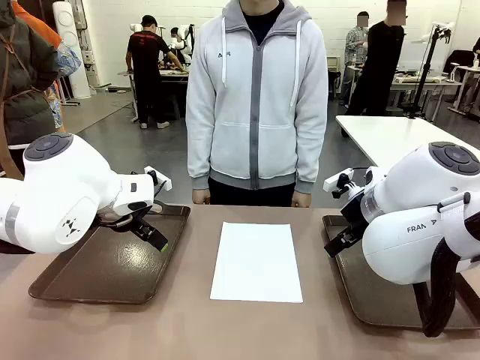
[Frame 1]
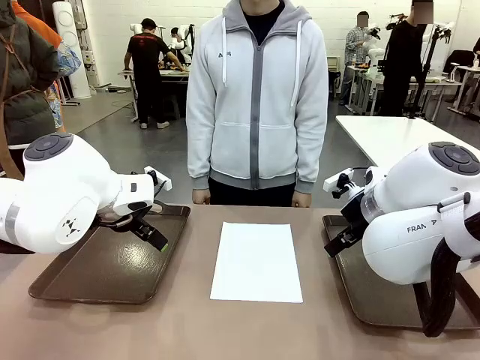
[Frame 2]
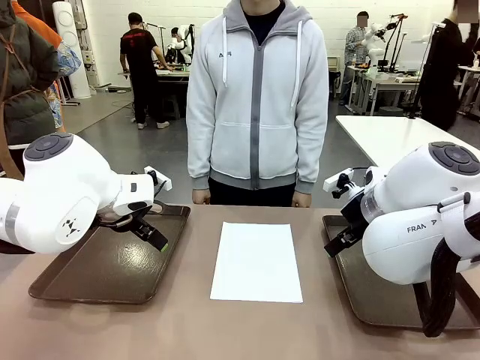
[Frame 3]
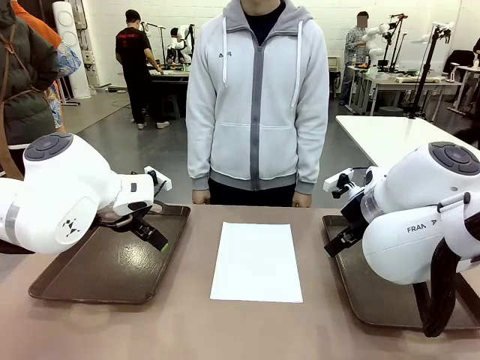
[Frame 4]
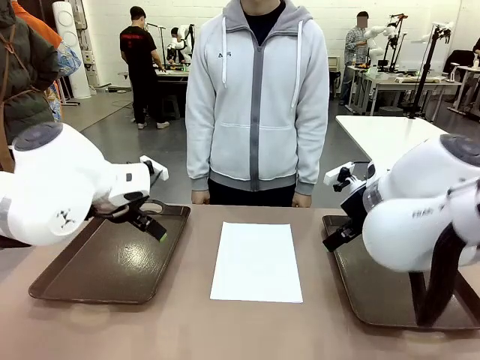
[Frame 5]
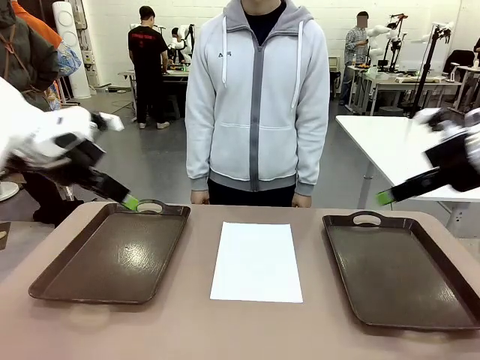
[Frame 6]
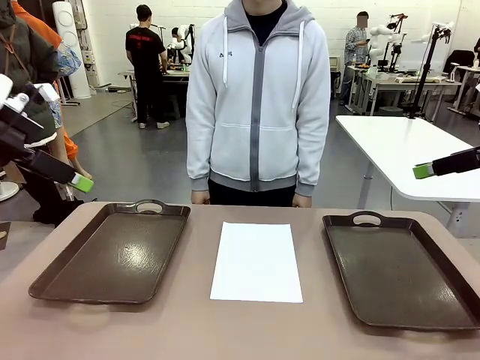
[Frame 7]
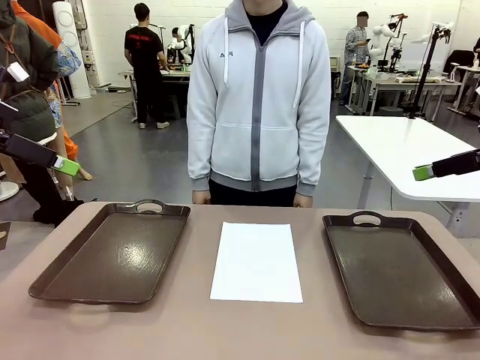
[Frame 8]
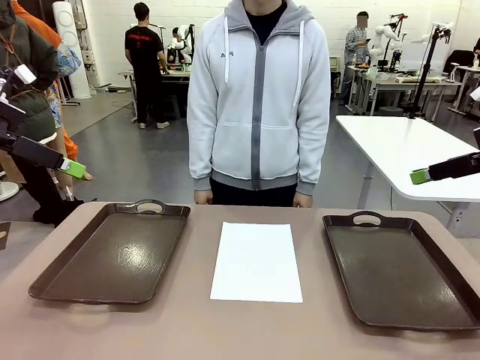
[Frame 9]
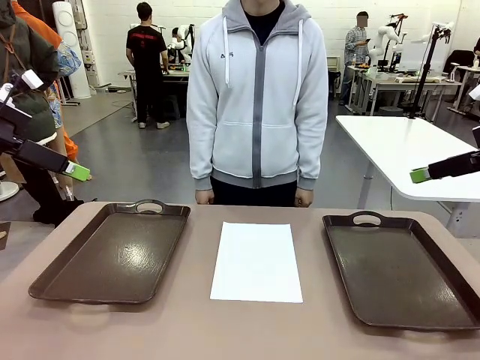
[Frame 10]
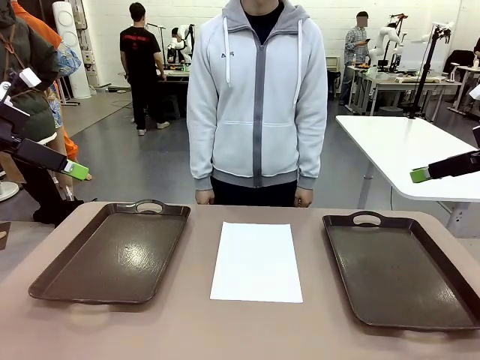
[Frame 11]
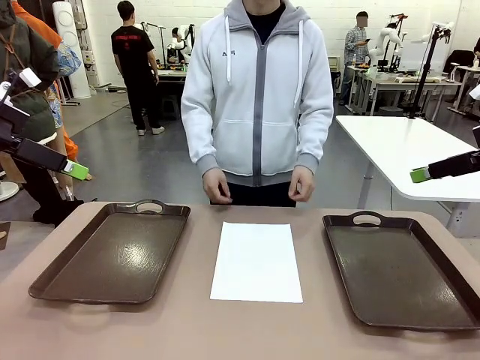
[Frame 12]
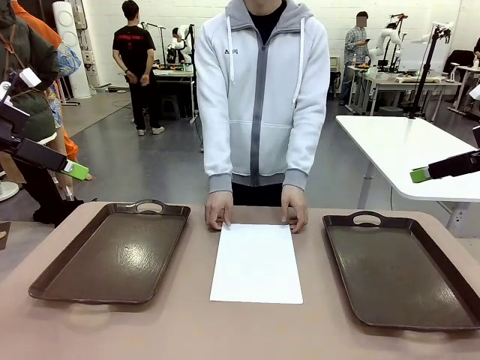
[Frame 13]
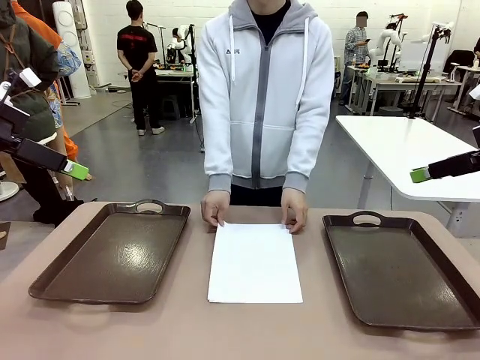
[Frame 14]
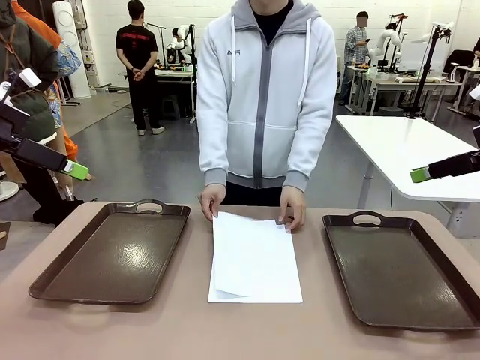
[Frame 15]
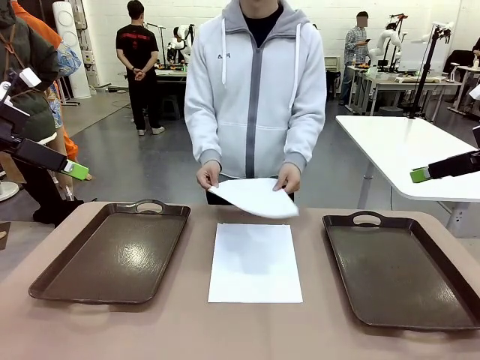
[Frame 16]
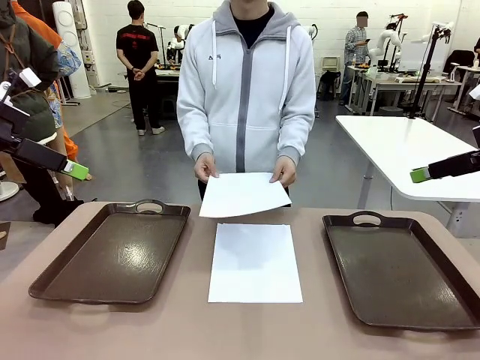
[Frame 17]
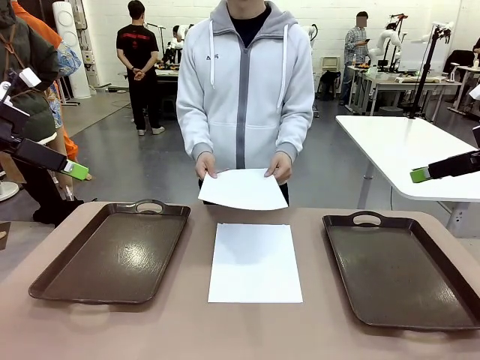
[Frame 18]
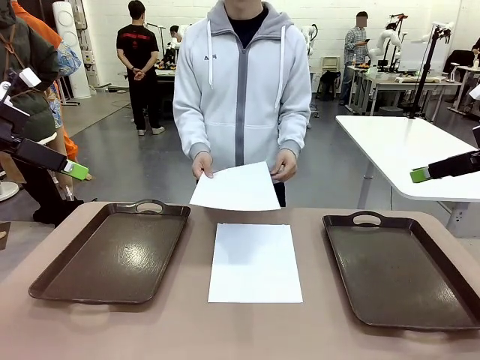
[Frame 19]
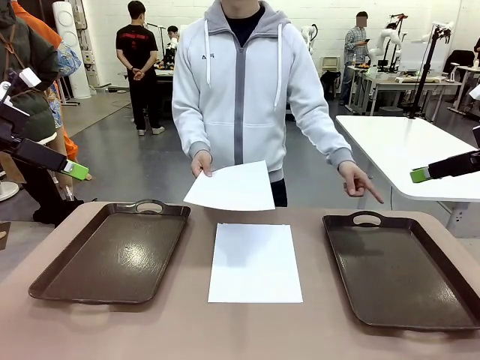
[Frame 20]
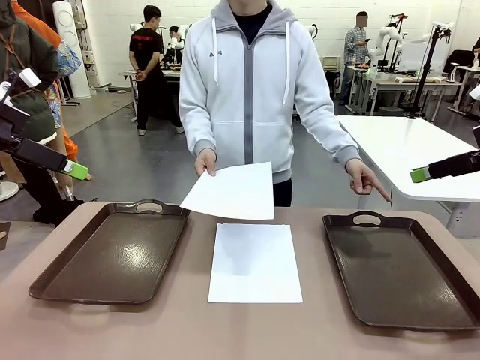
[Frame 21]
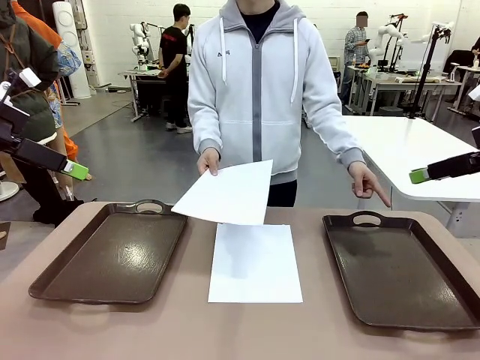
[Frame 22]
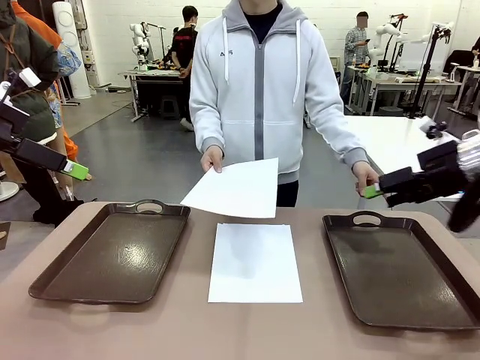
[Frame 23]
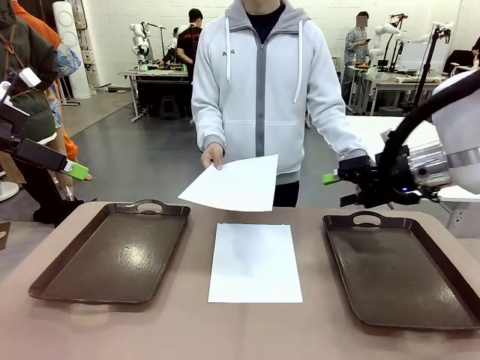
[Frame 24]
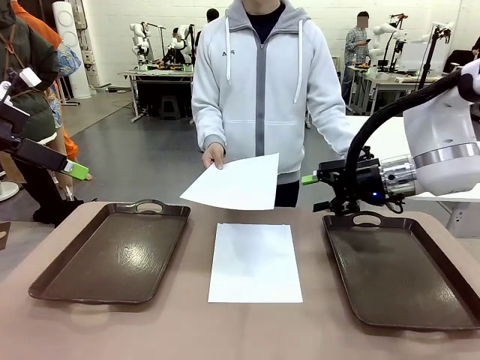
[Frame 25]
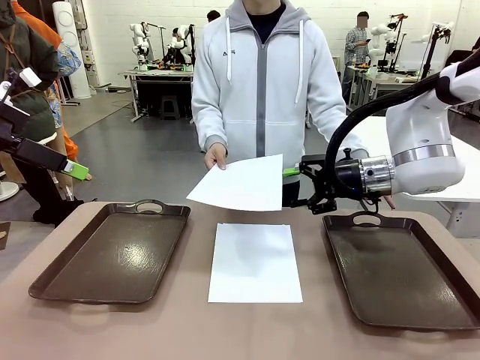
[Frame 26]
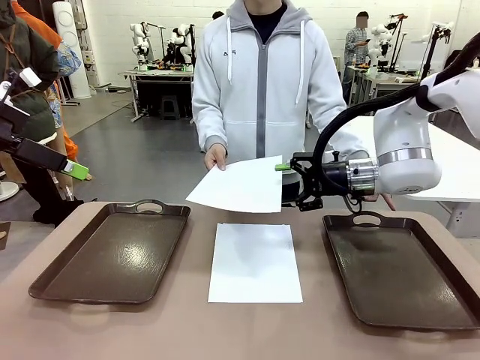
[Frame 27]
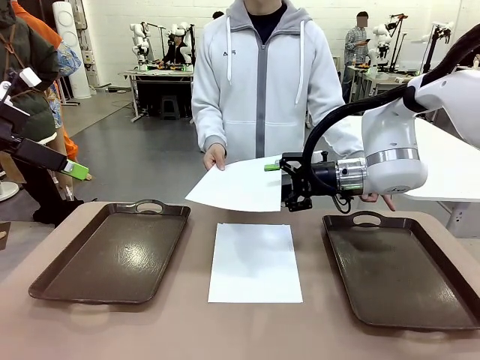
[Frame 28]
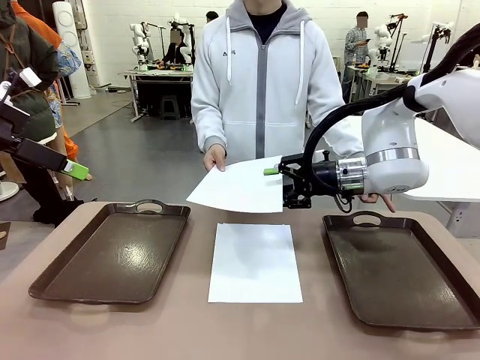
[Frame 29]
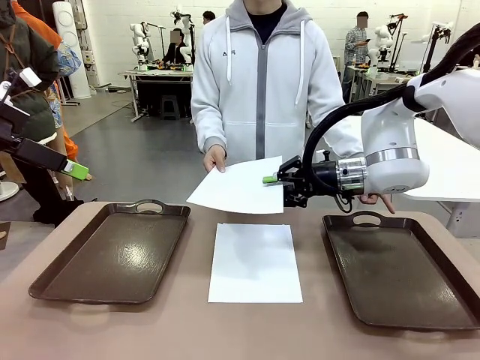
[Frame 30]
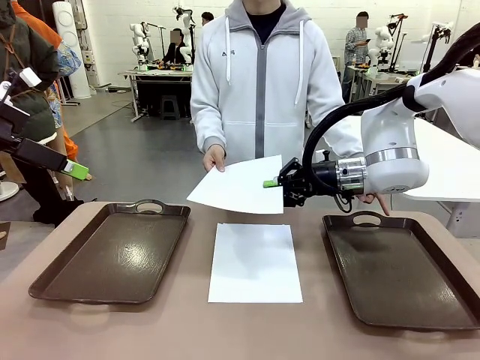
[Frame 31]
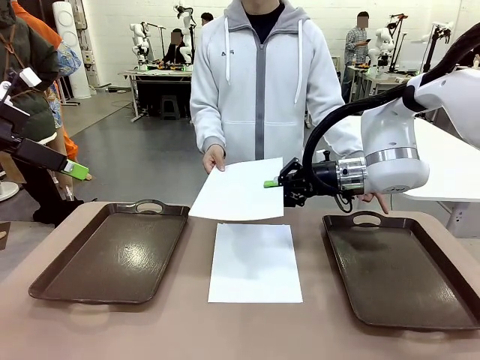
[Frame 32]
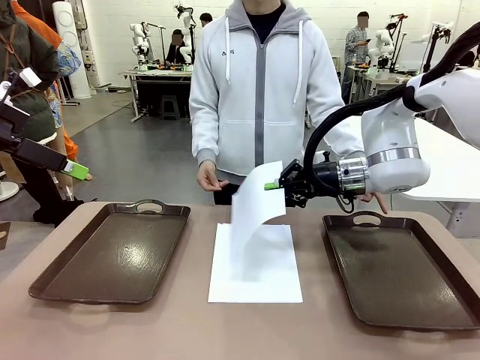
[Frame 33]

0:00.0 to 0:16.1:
Task: Sort the A4 documents.
Robot: Receive the A4 Paper.
Person: Pick up a sheet of paper from the center of the table and hand it to the robot. Point the randomly selected tray with the other hand.

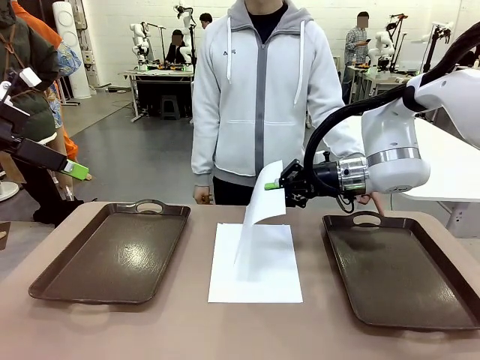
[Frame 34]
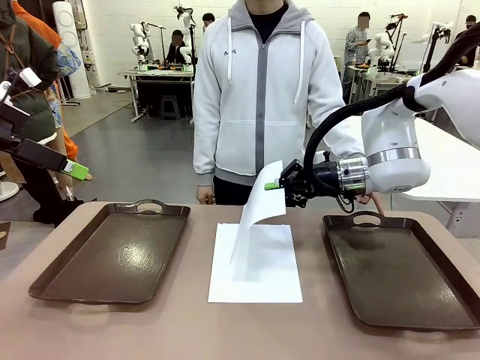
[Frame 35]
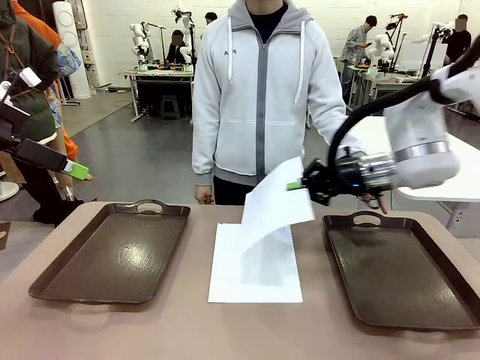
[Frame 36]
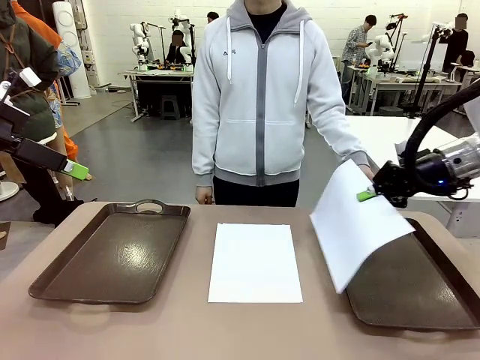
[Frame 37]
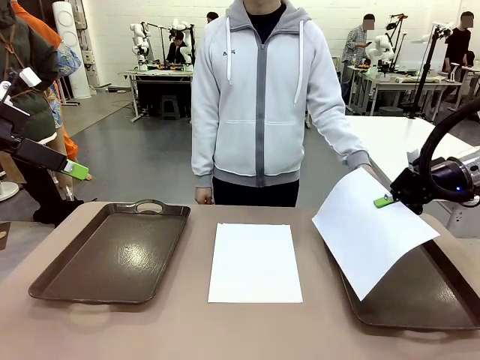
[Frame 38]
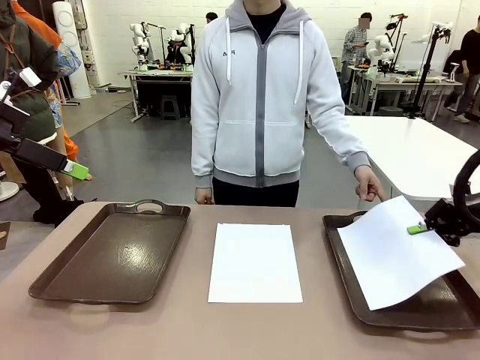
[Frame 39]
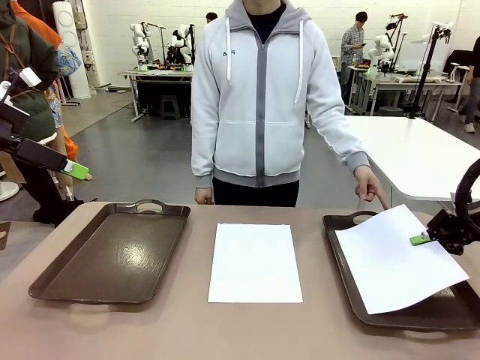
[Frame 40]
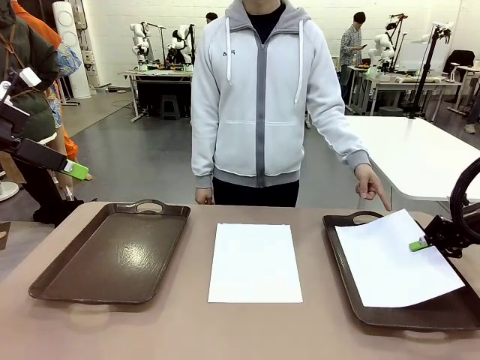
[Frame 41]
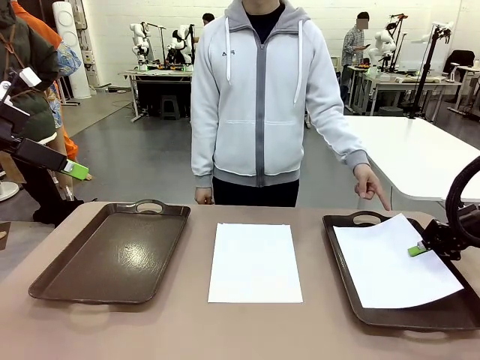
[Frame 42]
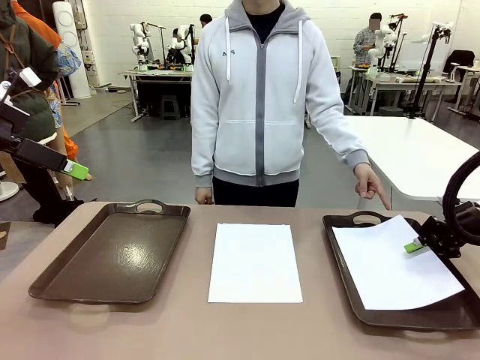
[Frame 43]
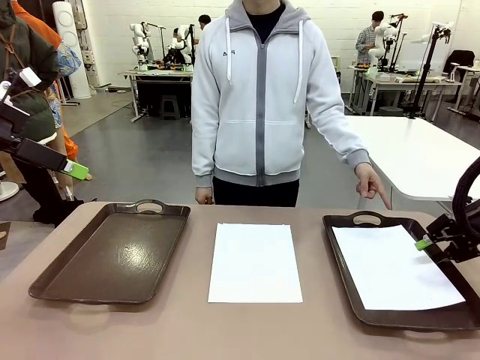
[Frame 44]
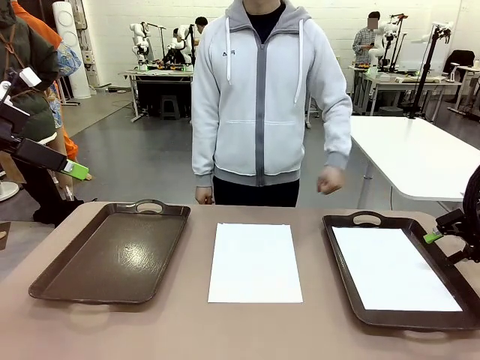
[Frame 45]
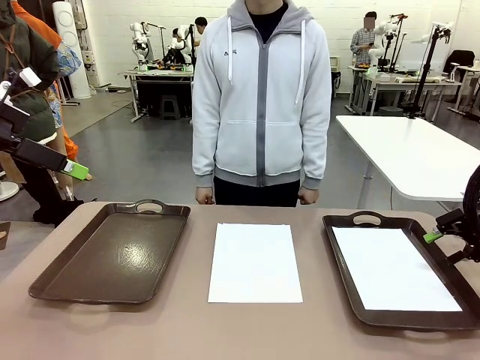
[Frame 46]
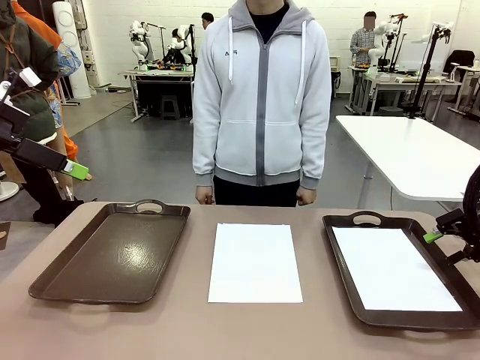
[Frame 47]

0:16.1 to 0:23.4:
Robot: Place the A4 Paper in the designated Handle tray.
